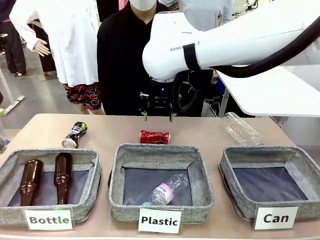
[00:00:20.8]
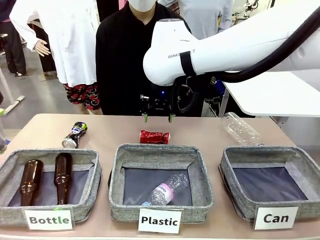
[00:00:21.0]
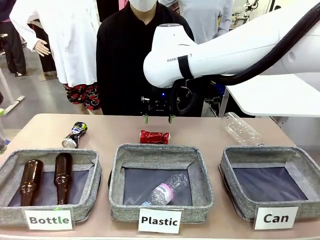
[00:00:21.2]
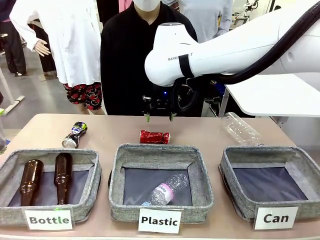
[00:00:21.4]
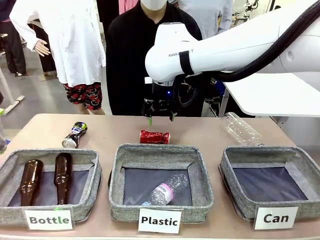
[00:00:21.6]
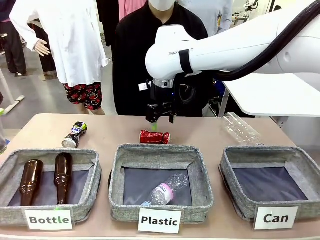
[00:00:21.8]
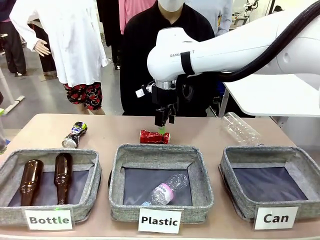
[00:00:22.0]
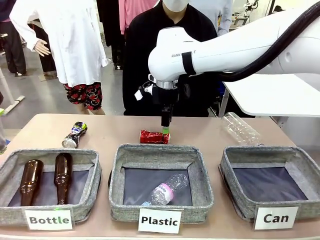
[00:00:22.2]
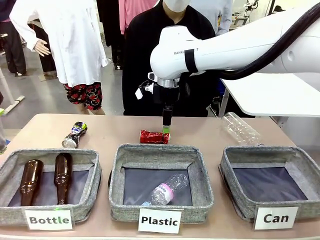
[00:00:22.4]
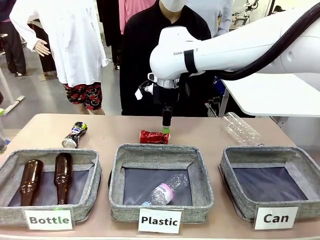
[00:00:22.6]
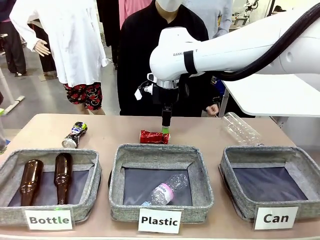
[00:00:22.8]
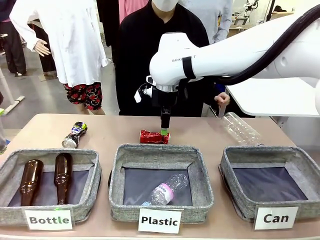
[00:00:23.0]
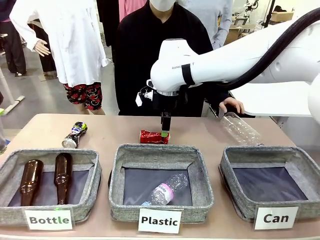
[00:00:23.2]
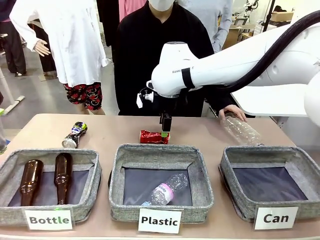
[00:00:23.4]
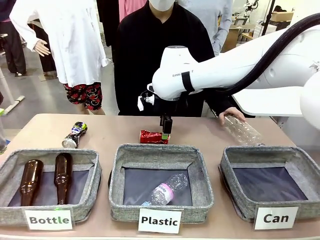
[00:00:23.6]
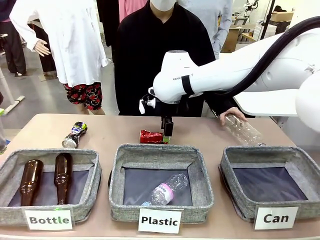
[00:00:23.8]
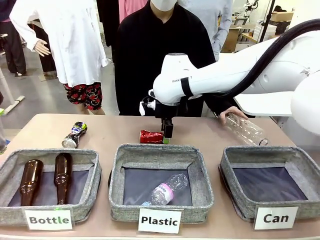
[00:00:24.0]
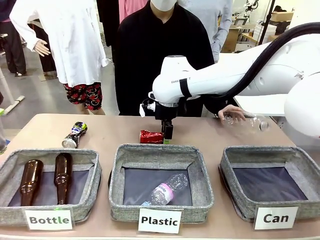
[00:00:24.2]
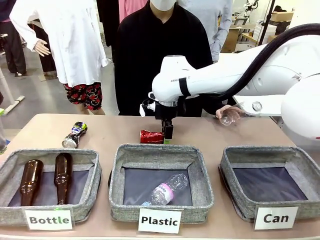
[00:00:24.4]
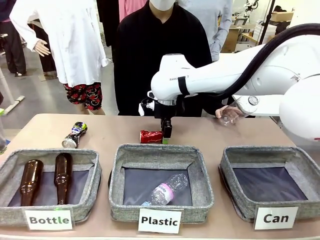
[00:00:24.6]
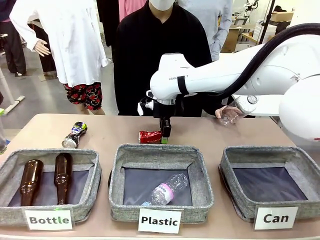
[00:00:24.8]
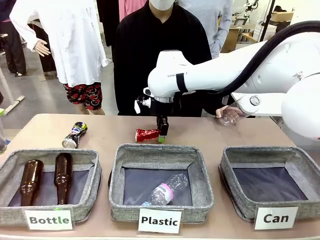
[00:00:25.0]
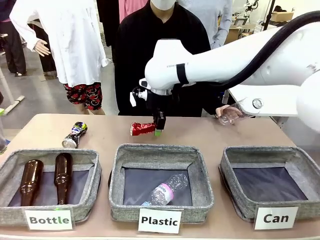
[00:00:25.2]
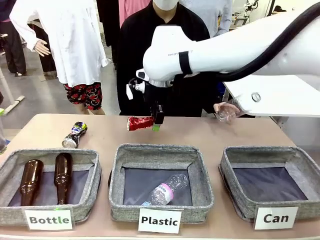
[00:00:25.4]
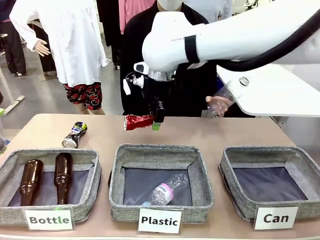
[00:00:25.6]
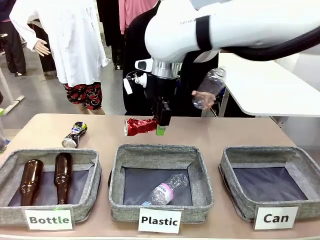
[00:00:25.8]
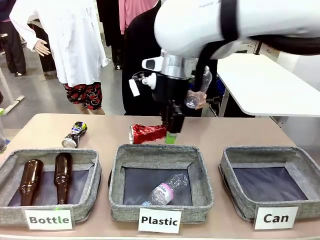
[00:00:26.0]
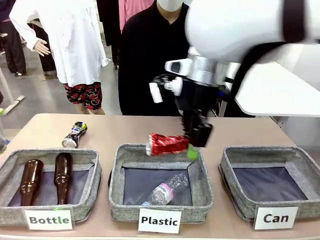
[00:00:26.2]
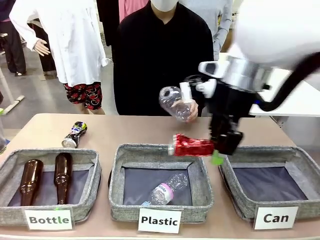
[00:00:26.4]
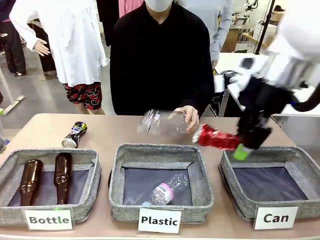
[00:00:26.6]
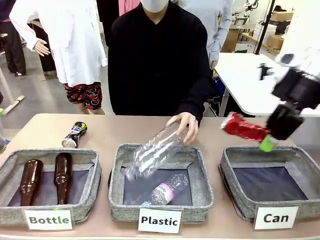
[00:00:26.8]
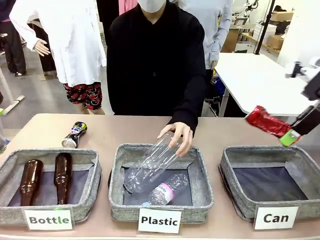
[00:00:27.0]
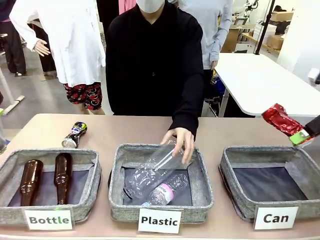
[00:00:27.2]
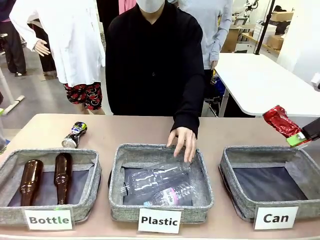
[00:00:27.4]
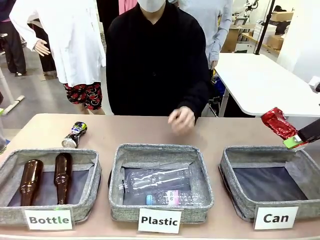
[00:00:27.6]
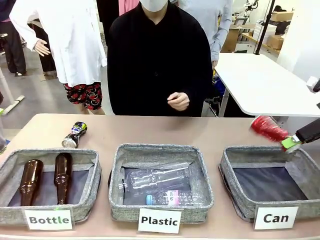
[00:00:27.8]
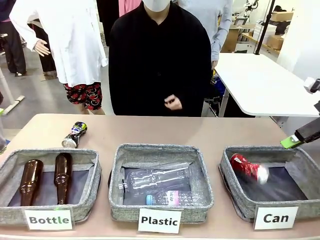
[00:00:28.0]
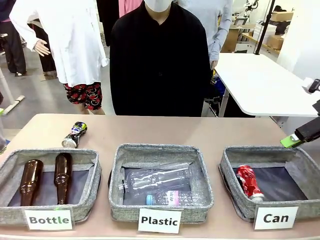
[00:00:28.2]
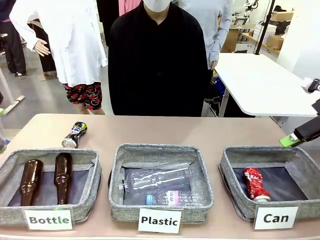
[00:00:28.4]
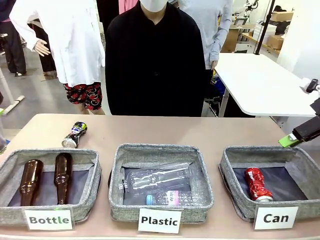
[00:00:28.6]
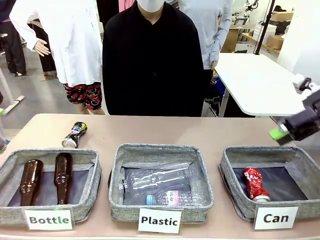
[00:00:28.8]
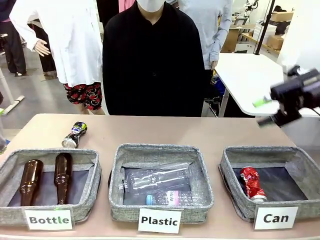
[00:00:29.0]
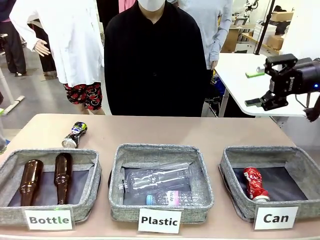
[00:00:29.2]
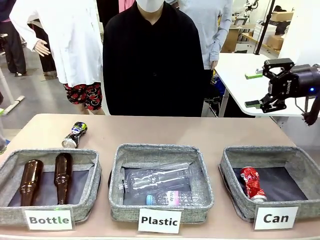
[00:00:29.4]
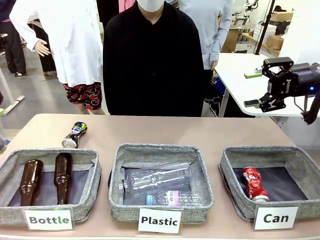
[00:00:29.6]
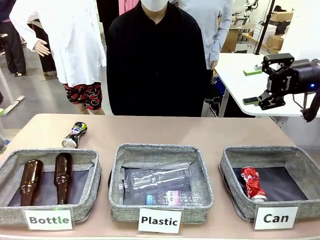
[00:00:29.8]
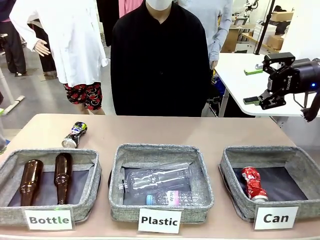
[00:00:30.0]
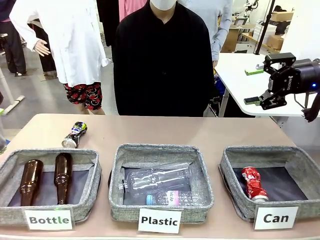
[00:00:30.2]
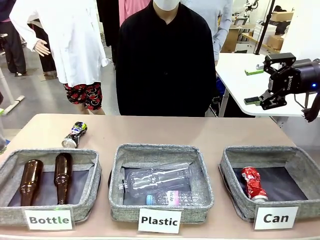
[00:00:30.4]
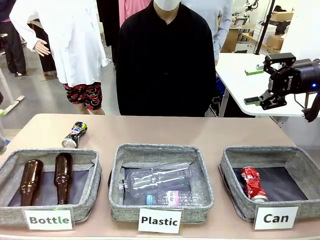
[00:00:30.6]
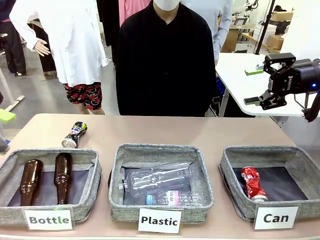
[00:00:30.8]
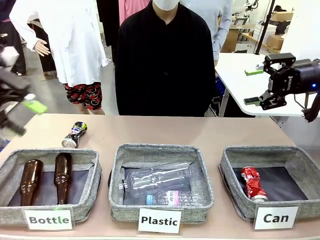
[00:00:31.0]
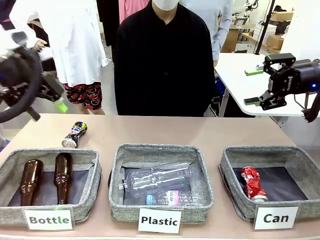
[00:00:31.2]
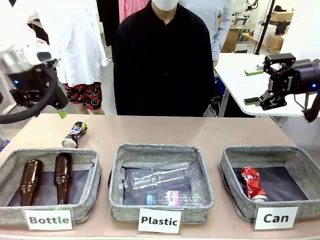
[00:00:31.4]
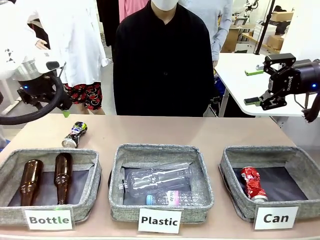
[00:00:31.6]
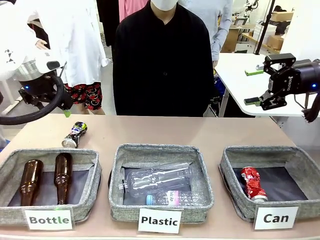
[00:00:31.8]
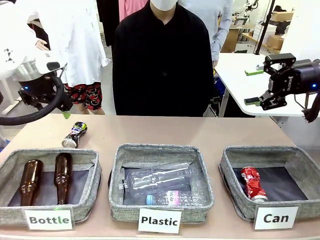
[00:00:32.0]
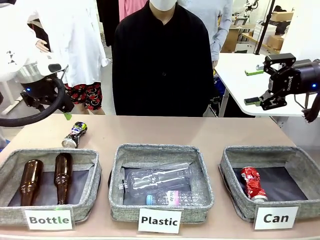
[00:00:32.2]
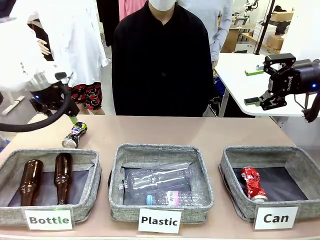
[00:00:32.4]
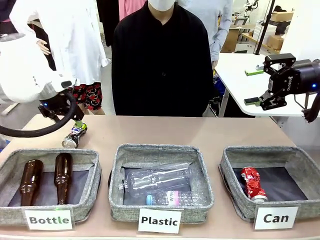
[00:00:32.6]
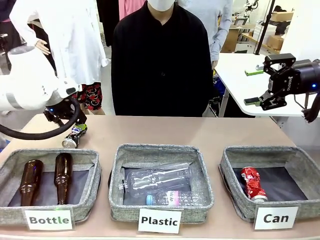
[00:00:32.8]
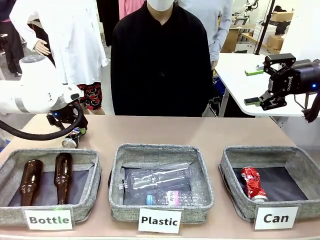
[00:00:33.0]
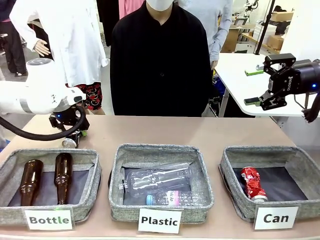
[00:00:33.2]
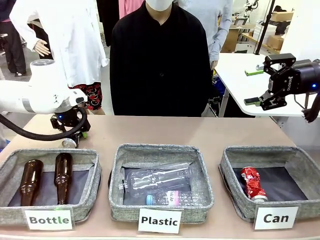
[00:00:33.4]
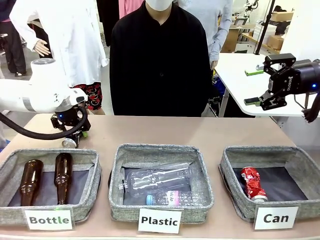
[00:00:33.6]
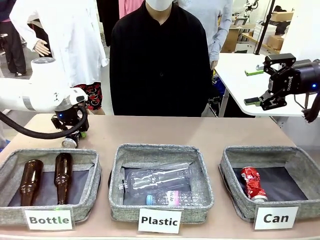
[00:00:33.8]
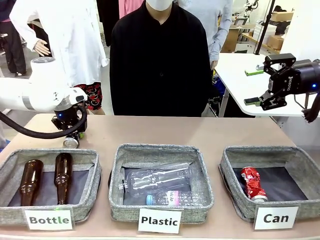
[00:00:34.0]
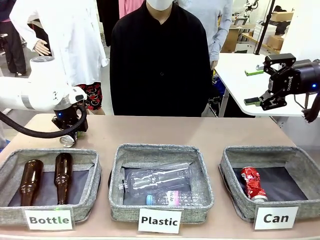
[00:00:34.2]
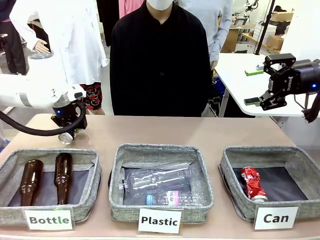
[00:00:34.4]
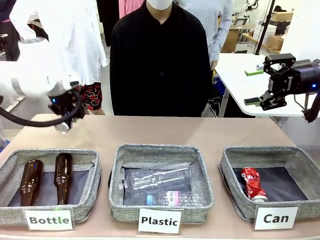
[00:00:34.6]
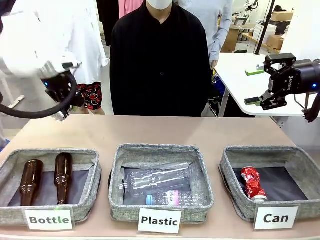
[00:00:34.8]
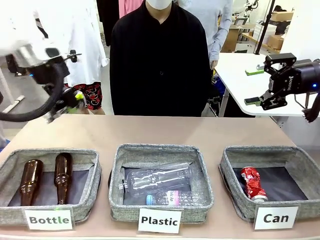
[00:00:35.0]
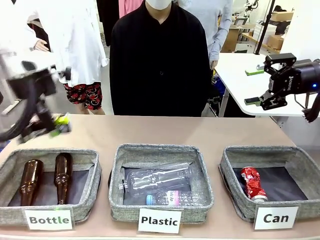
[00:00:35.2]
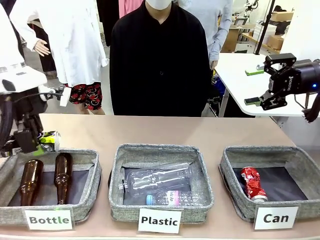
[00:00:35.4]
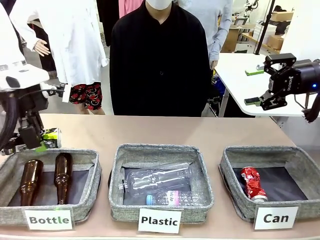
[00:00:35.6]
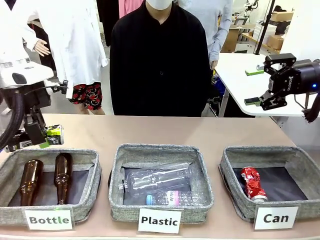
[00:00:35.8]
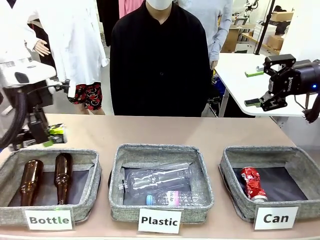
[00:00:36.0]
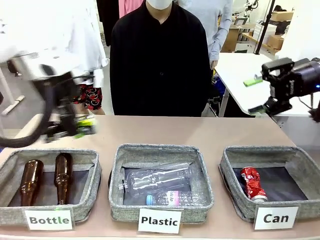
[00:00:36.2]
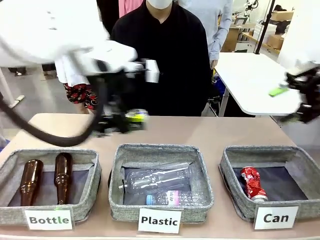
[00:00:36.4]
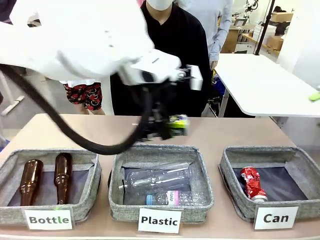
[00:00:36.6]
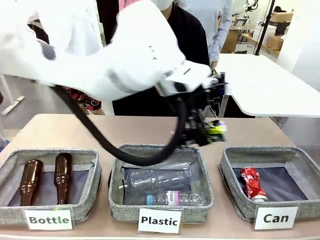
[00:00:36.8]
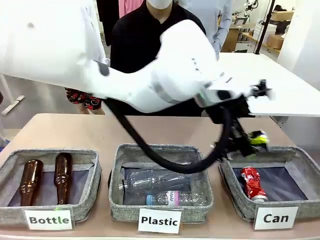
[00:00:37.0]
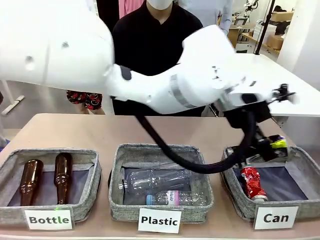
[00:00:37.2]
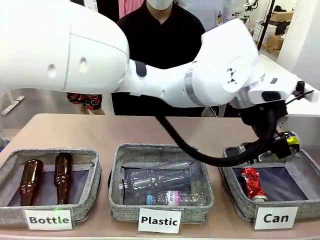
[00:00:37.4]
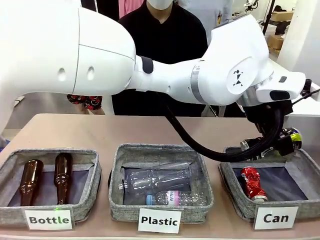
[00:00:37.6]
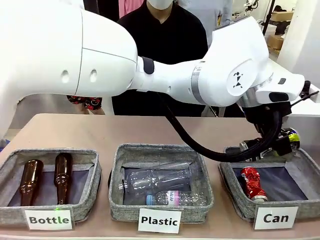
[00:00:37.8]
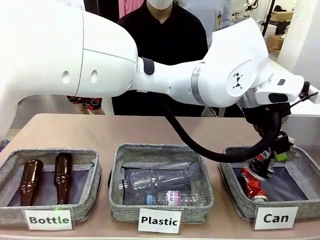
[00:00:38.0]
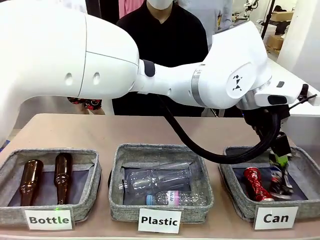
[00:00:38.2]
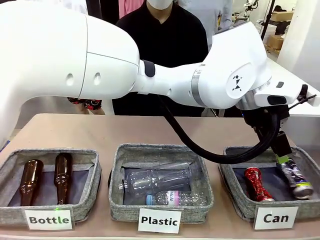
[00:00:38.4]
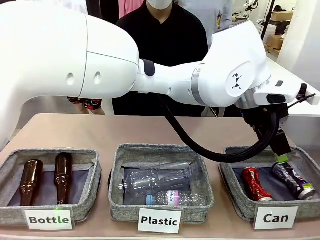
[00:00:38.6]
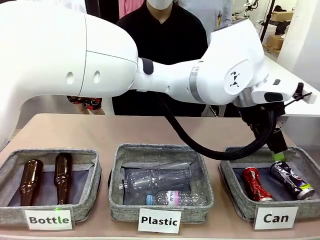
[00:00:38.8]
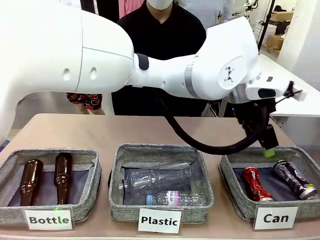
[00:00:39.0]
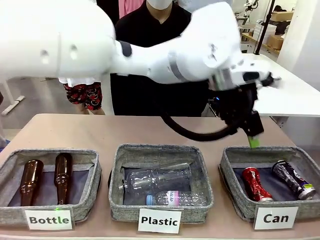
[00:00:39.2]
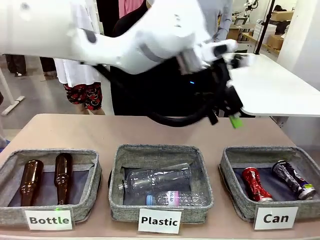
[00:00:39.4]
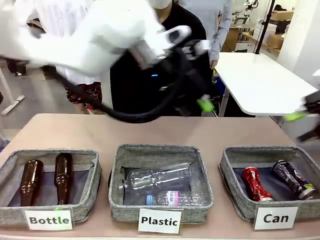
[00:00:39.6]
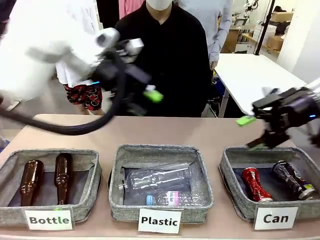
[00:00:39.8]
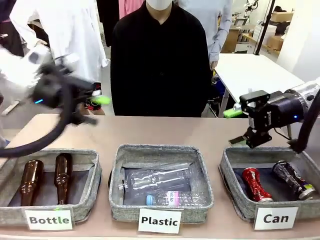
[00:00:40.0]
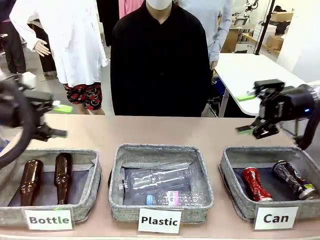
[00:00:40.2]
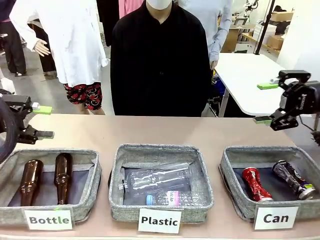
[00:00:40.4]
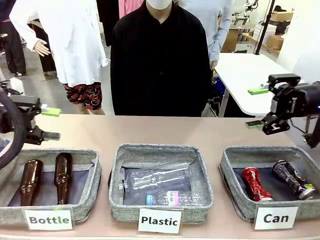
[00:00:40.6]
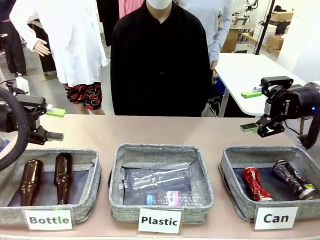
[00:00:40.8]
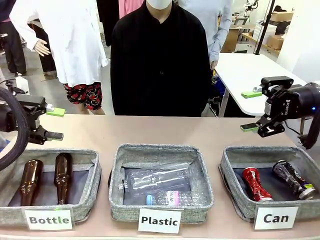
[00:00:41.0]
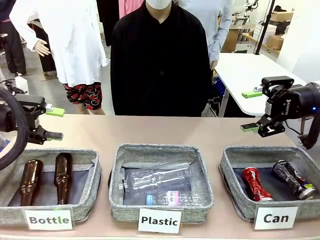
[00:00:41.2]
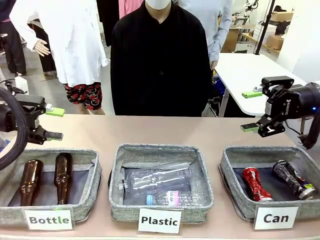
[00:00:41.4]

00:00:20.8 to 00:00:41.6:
Task: Sort the can waste into the basket.
Robot: Pick up the can waste from the table and place it in the right Fabric basket.
